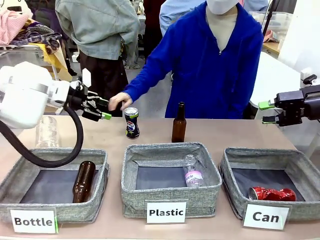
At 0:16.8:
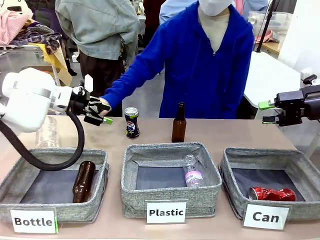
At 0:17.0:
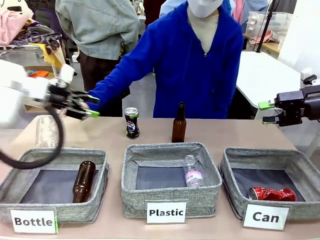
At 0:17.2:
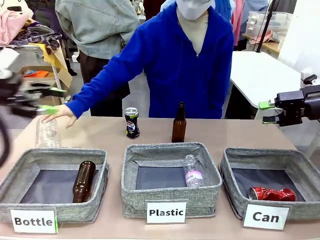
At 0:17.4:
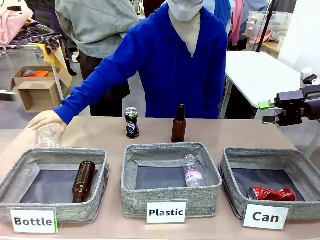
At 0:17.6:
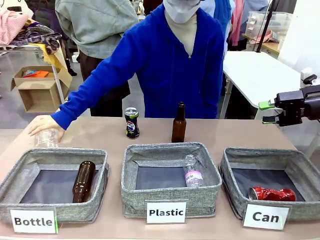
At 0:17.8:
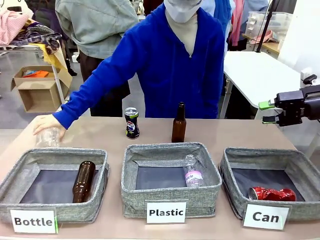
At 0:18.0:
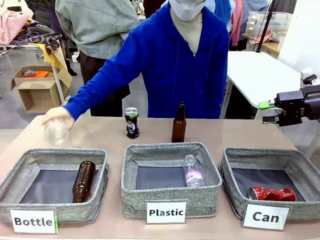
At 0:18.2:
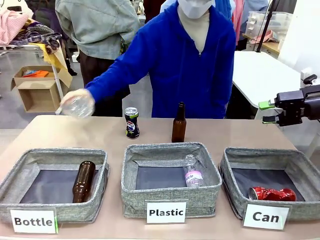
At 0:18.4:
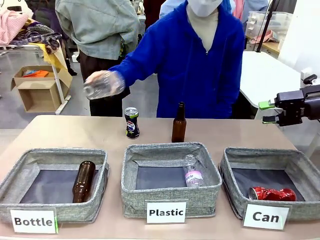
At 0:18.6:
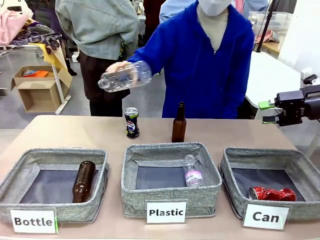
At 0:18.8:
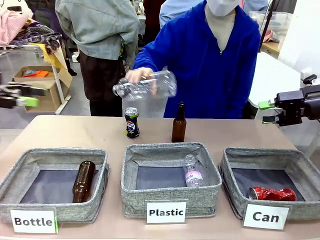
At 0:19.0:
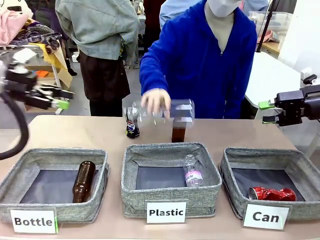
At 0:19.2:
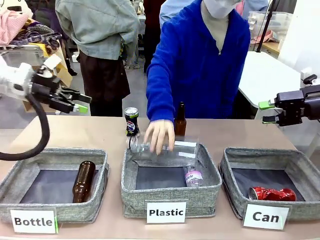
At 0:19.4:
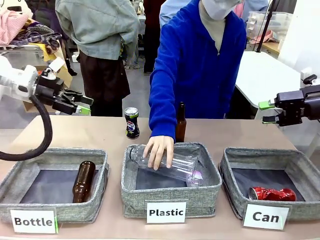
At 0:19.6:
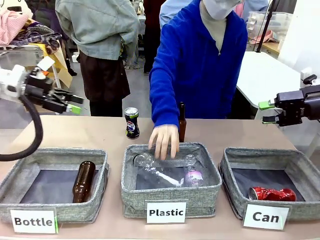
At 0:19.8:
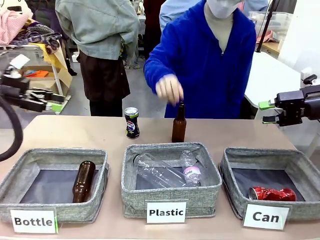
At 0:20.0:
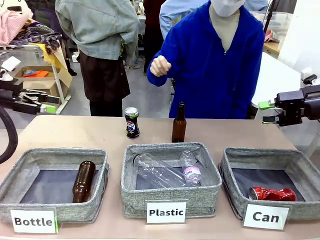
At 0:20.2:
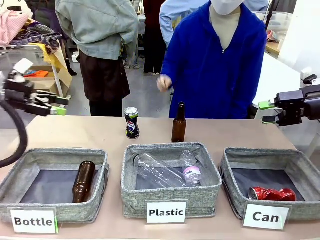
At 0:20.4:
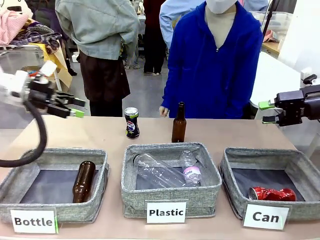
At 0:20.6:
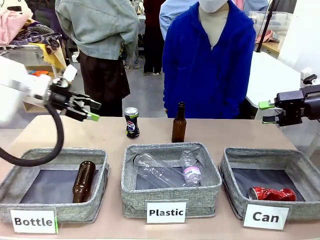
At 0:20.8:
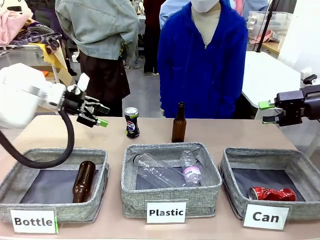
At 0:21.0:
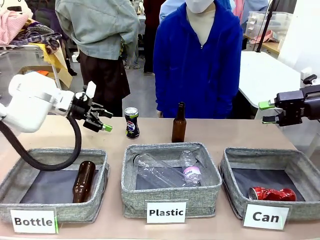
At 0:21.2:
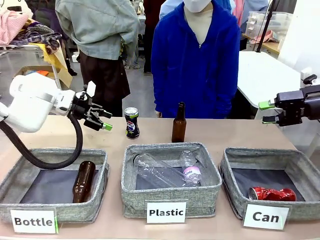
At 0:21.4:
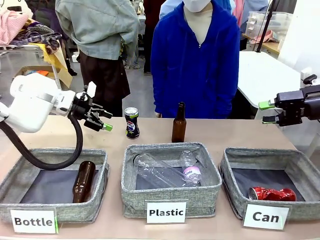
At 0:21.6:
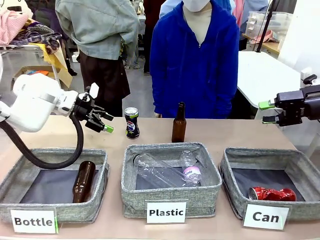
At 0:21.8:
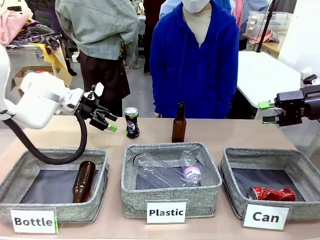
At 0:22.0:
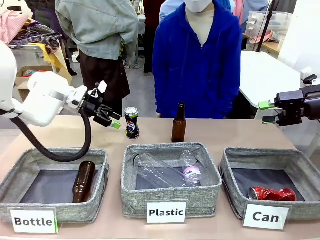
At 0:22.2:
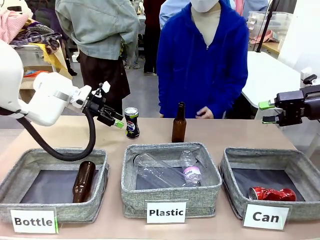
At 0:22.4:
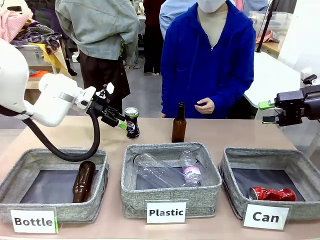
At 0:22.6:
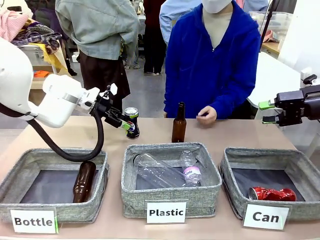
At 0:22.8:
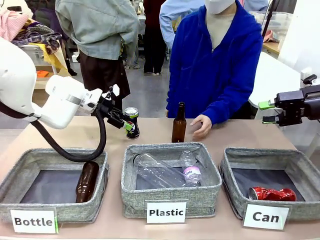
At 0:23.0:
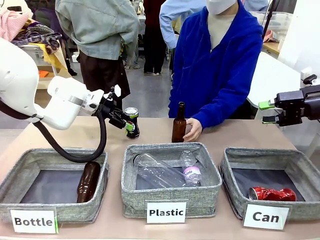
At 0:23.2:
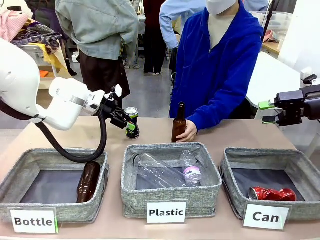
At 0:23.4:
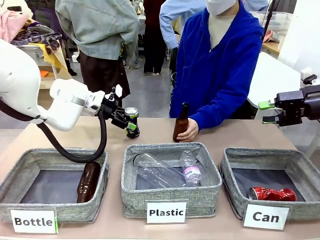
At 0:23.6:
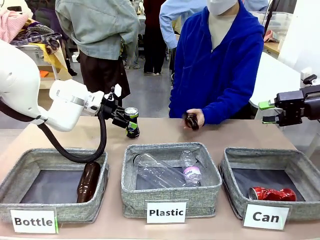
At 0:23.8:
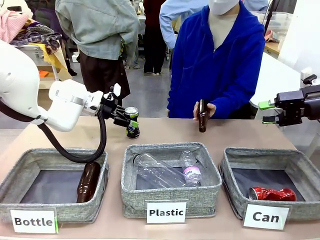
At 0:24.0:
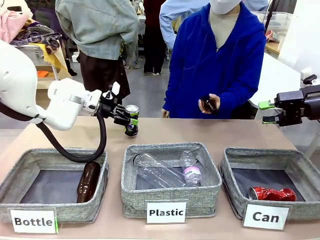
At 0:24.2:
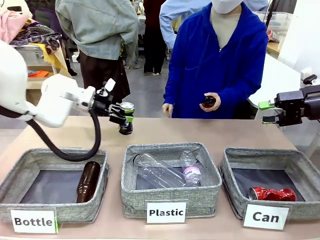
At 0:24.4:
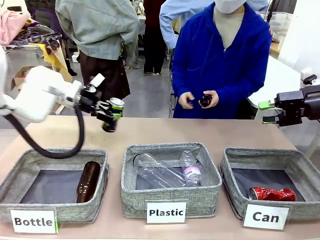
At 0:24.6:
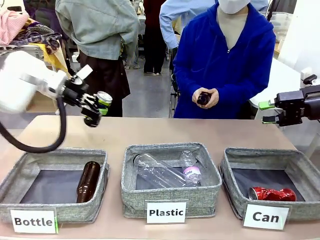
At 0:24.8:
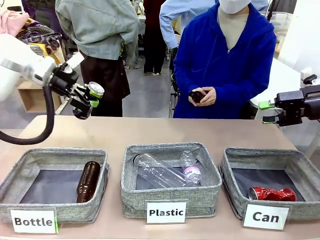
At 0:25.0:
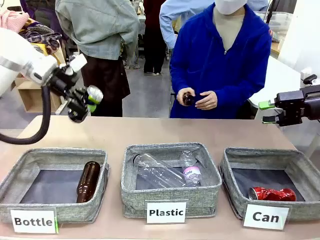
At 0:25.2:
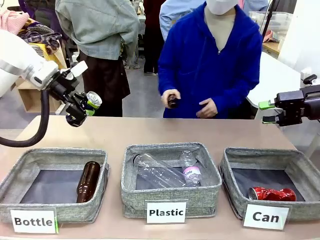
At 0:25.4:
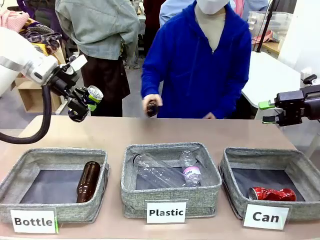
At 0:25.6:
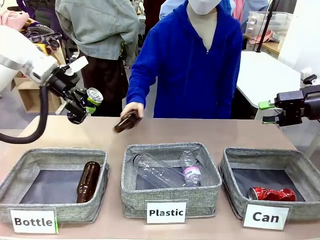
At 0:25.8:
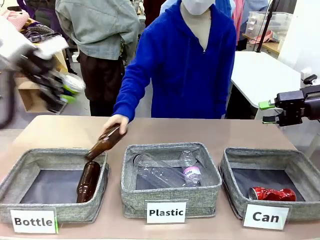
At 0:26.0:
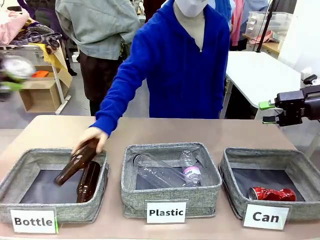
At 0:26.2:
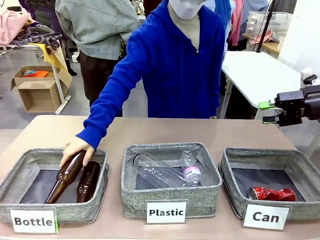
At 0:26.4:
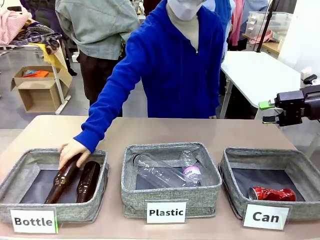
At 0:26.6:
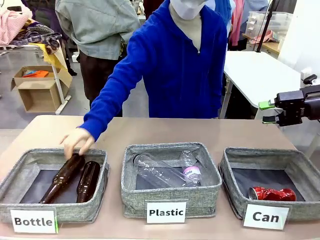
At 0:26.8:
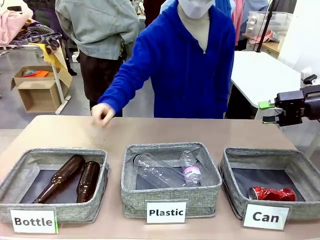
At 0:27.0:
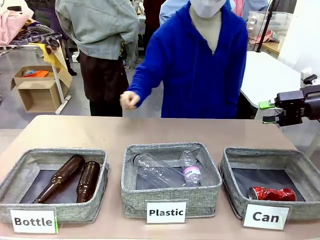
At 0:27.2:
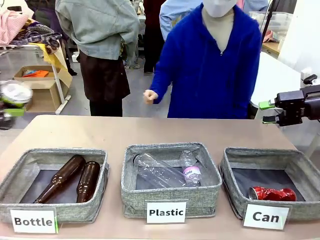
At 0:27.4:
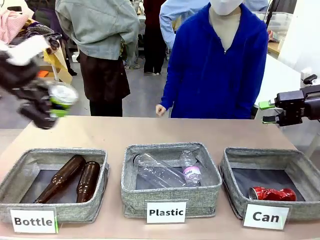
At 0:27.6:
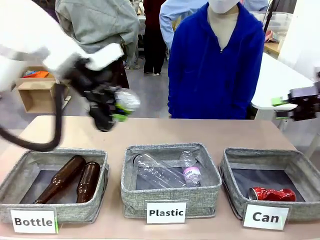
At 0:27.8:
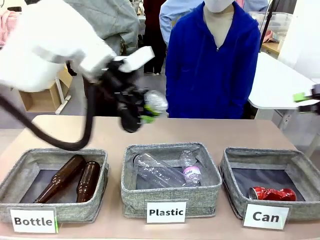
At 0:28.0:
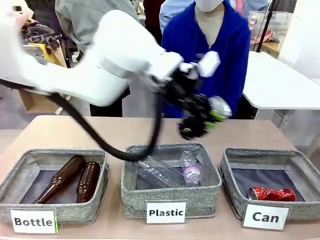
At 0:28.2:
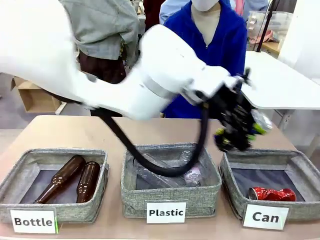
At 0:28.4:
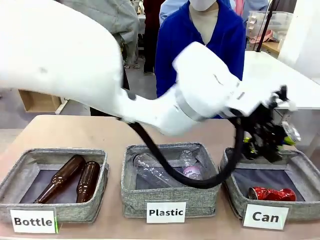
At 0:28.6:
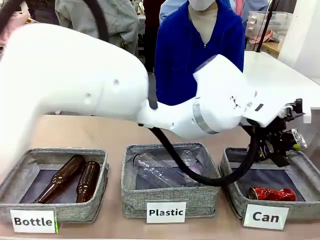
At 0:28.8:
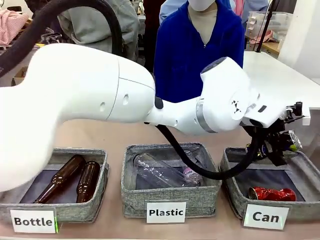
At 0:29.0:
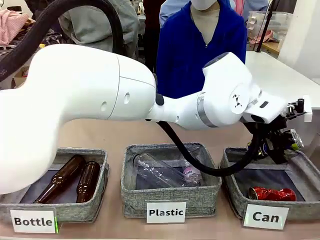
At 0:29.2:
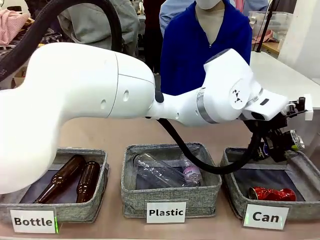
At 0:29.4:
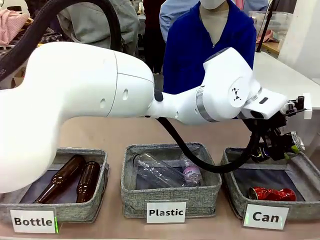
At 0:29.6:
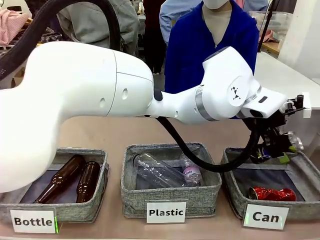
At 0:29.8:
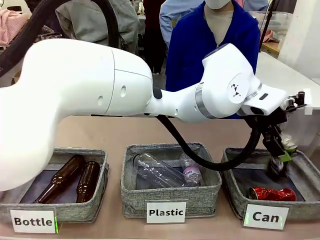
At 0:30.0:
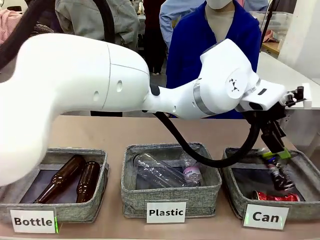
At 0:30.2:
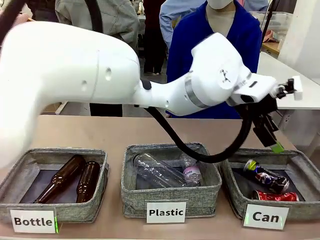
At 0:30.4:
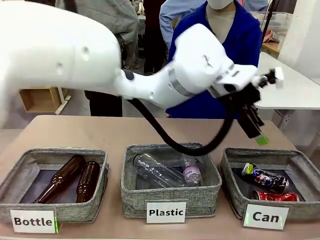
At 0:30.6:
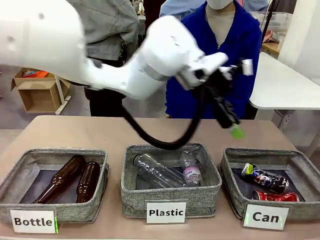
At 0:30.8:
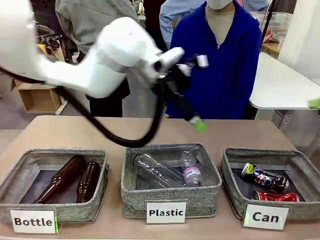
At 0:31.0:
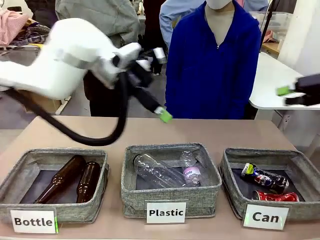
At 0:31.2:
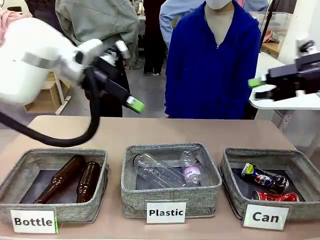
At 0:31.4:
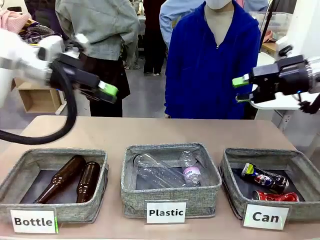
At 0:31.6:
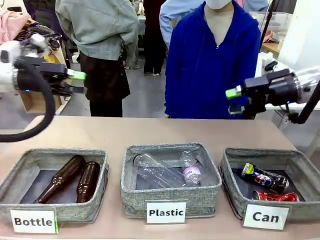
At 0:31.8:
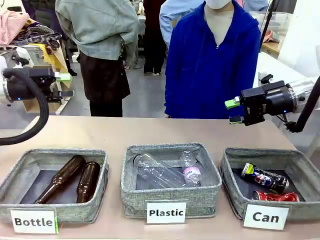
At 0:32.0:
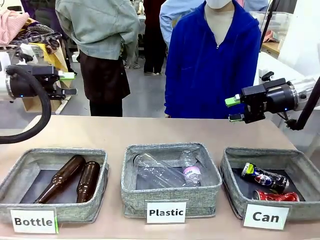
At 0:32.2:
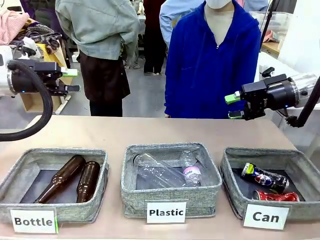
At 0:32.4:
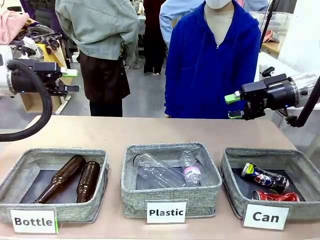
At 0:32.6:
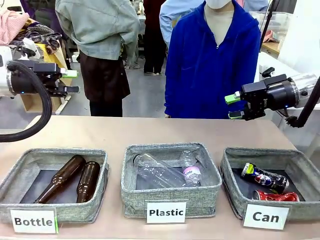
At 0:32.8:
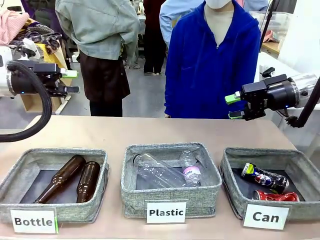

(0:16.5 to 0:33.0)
Task: Sort the can waste into the basket.
Robot: Pick up the can waste from the table and place it in the right Fabric basket.
